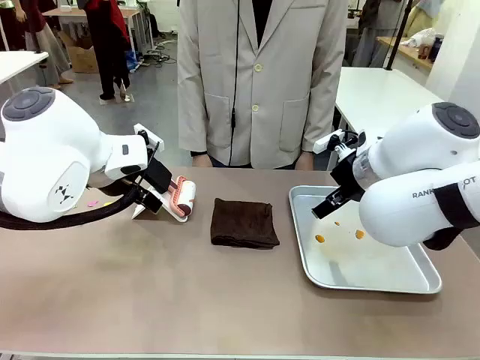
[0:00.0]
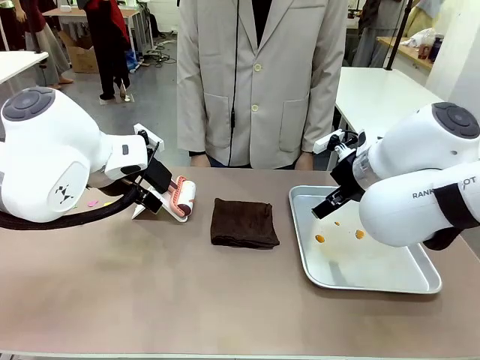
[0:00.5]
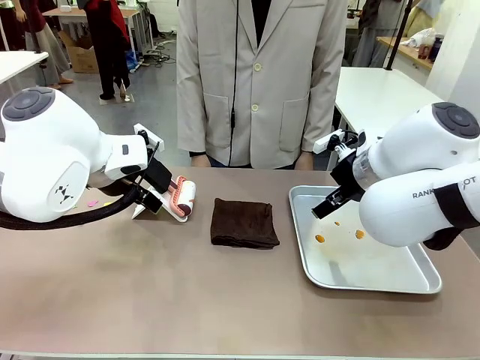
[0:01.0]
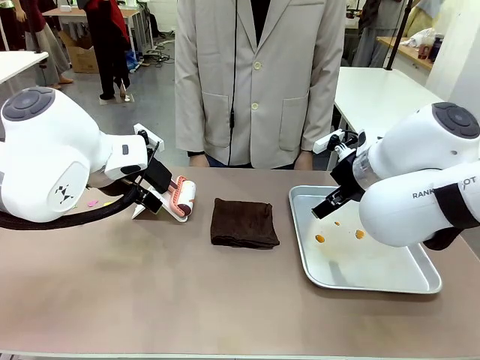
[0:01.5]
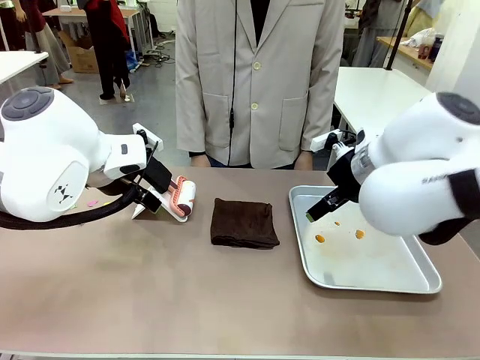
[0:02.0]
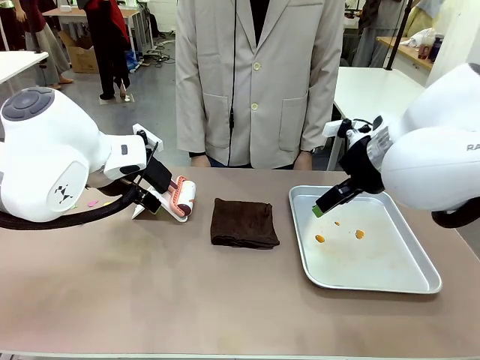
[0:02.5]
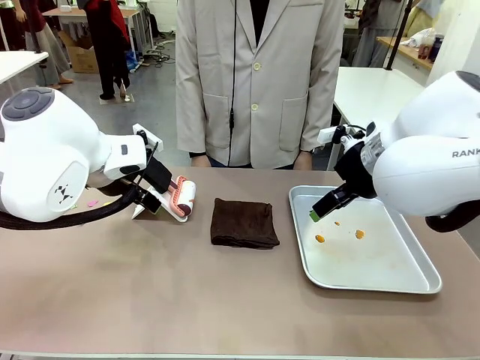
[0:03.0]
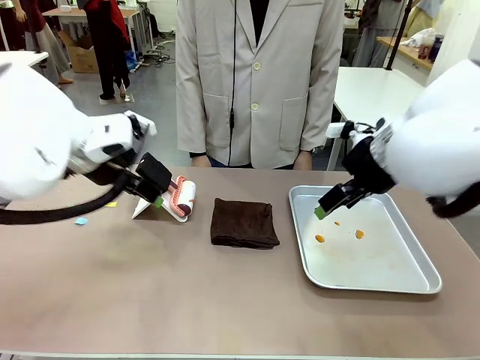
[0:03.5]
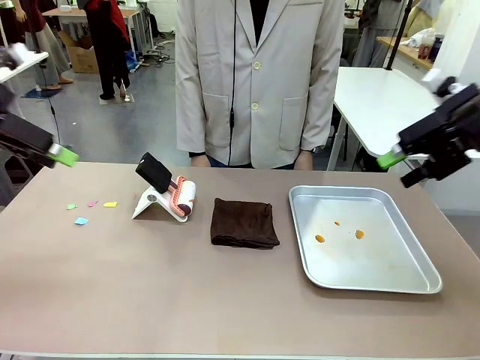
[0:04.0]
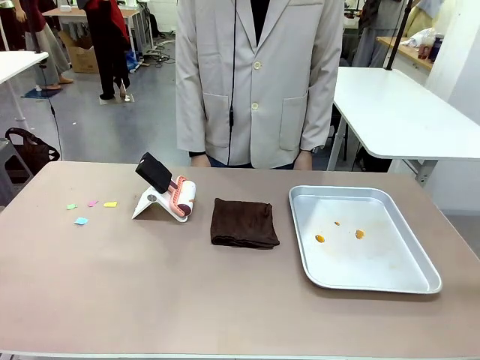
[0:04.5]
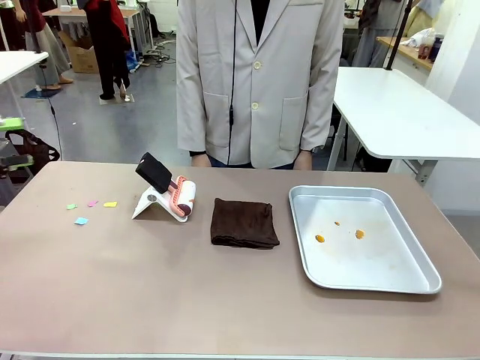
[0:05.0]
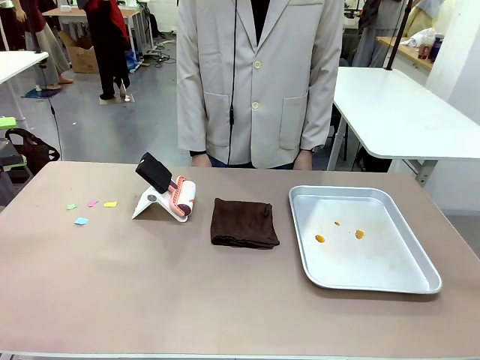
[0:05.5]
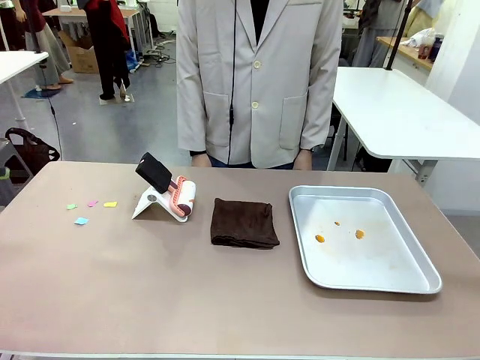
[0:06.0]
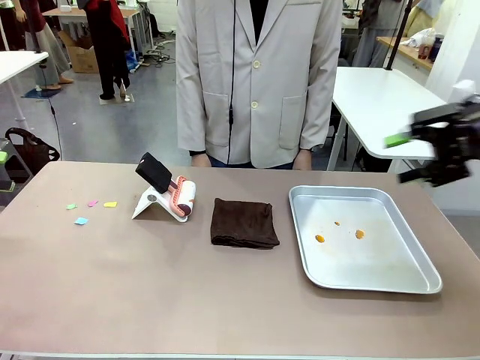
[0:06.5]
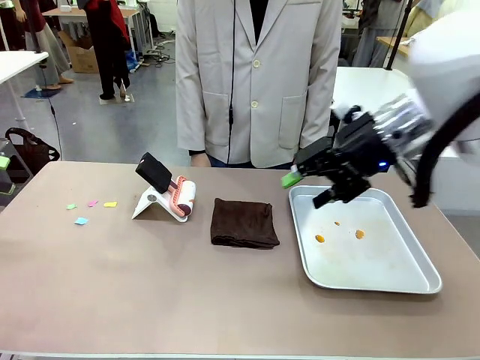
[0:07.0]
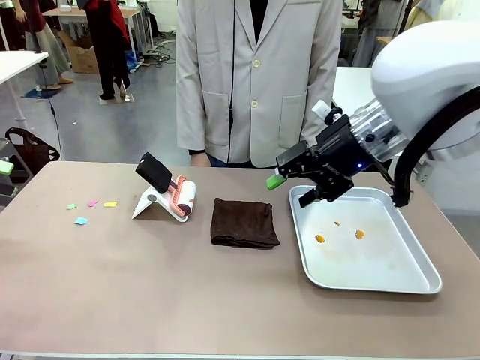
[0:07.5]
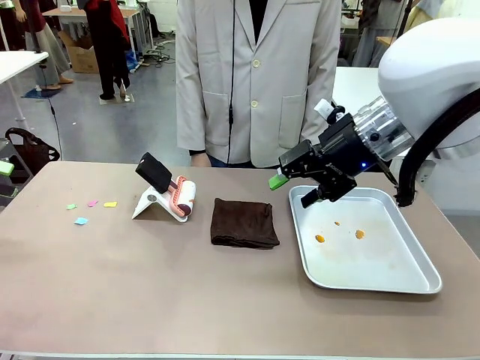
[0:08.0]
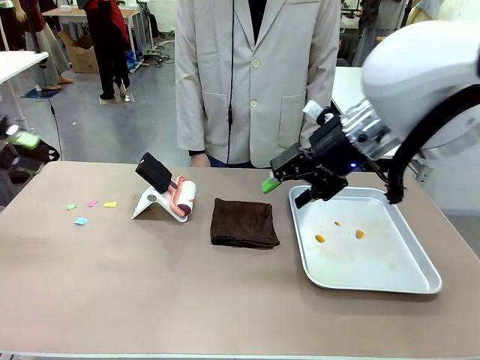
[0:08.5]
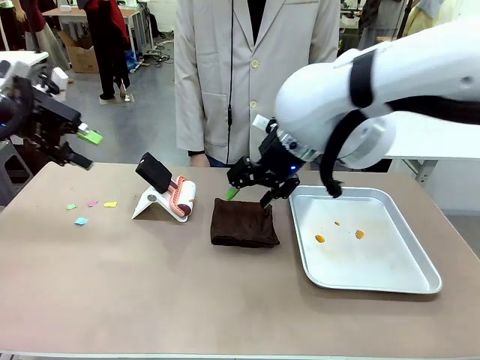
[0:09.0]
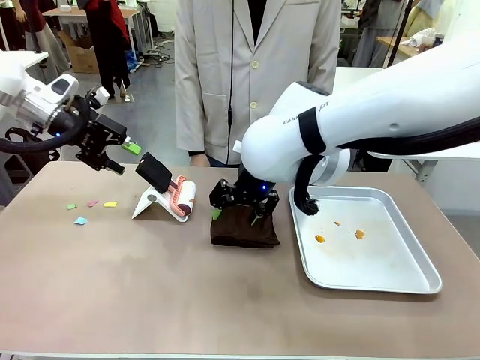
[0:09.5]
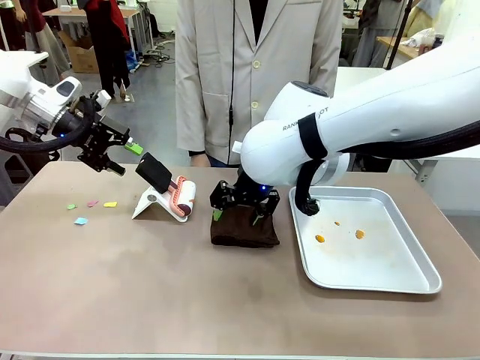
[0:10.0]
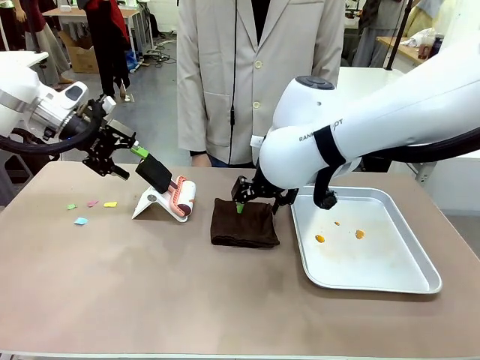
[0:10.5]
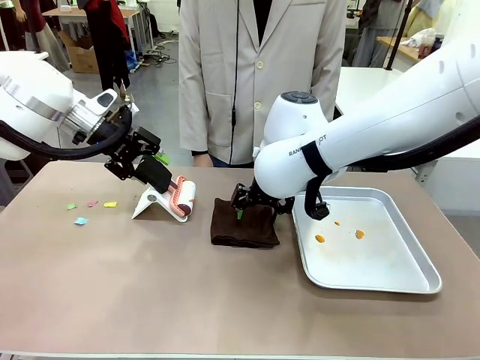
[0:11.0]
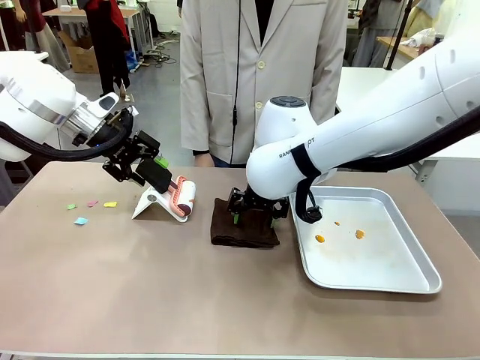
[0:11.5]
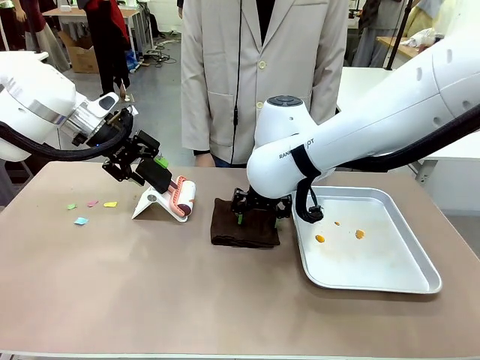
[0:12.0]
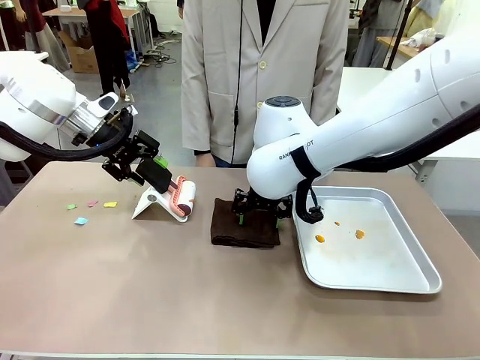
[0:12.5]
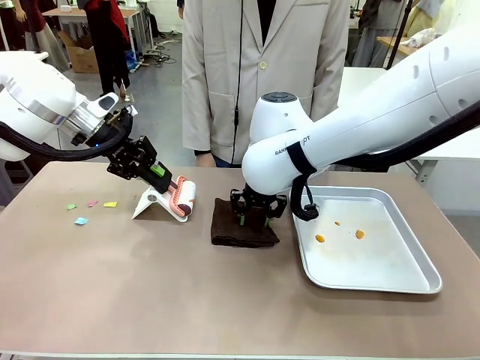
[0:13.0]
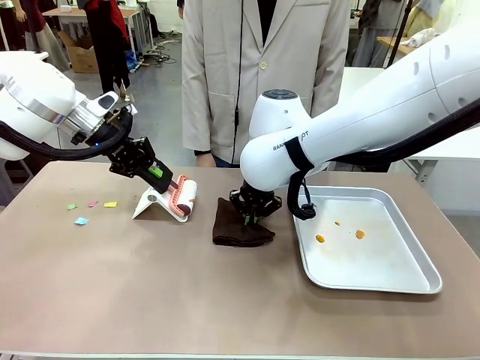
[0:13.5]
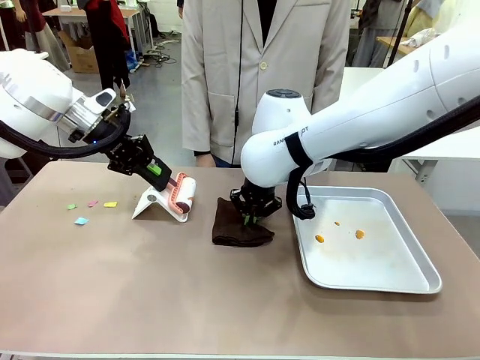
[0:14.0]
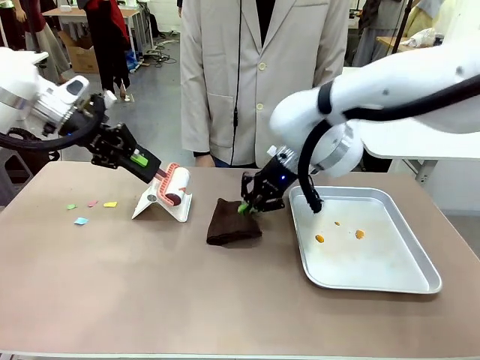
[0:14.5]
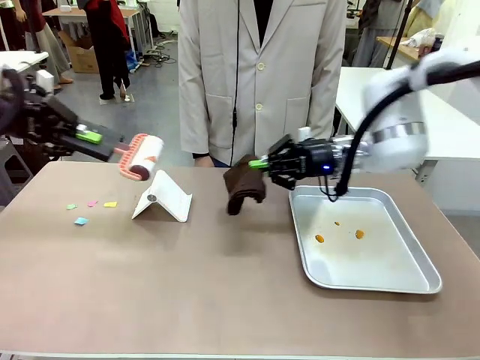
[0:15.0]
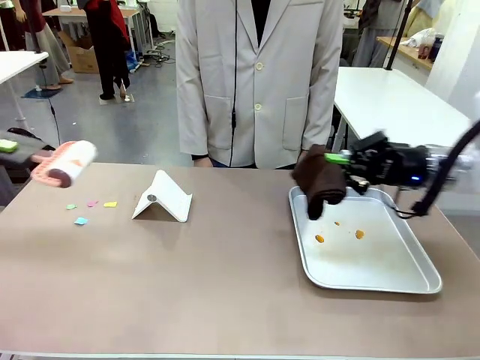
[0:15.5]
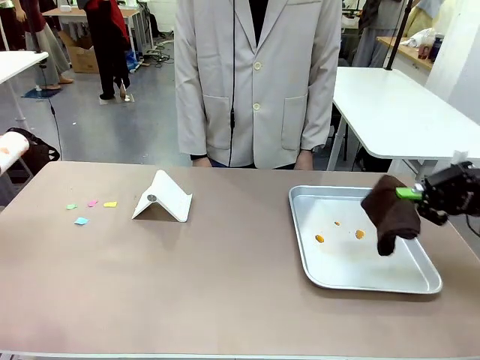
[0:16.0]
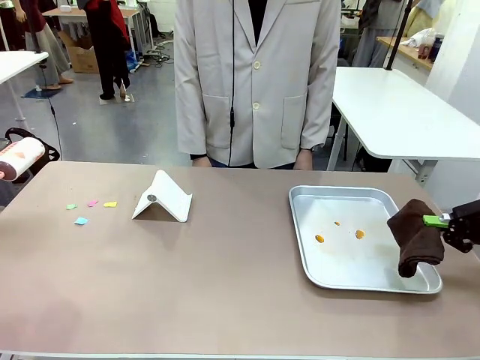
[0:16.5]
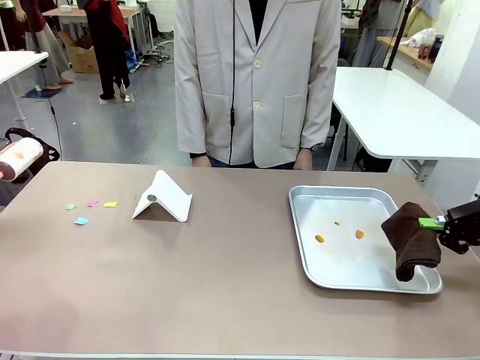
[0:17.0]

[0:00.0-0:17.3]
Task: Clean the surface of the table.
Robot: Hold the Lint Roller with your left hand and the towel with your right hand.

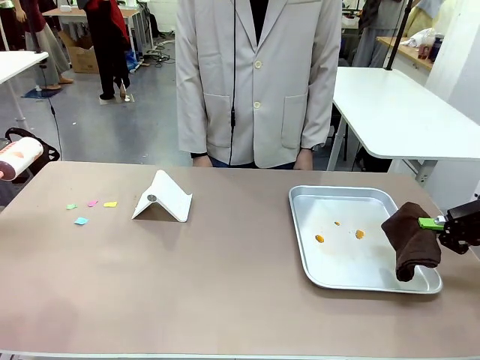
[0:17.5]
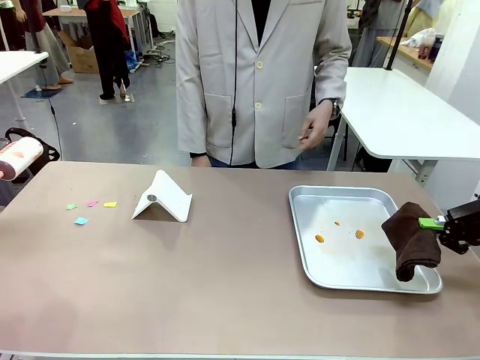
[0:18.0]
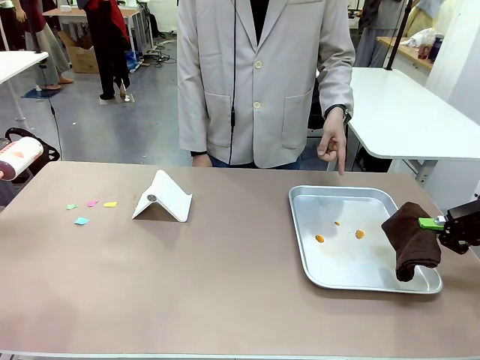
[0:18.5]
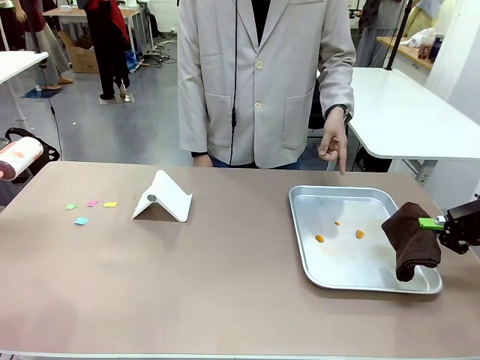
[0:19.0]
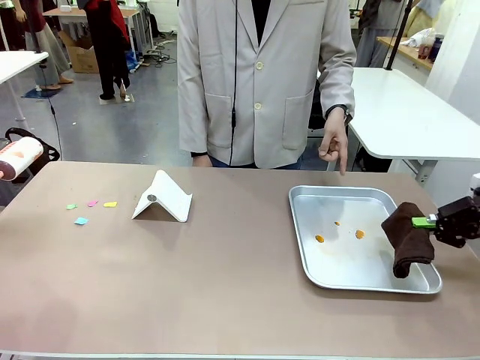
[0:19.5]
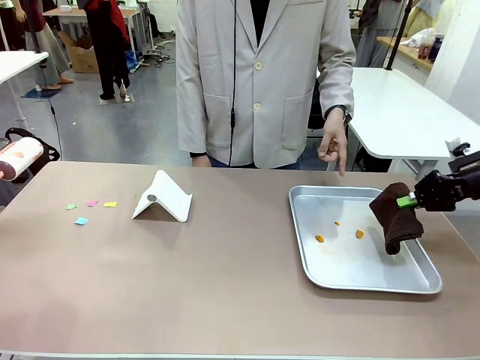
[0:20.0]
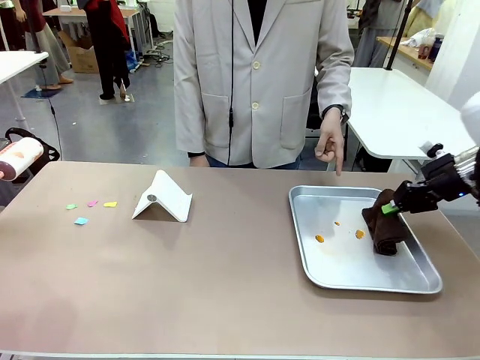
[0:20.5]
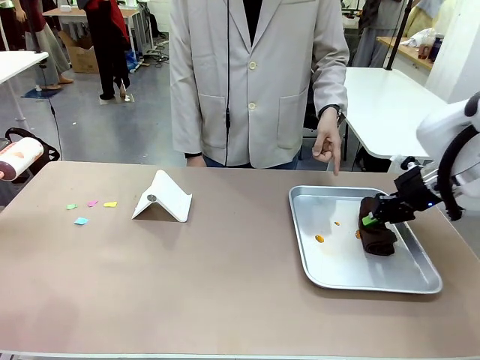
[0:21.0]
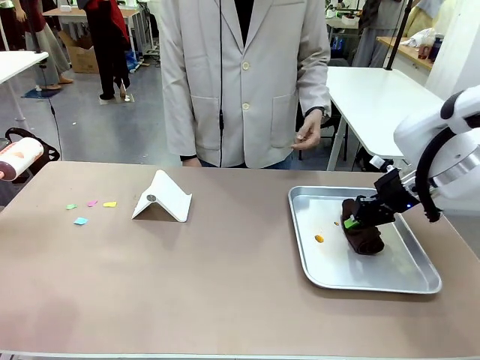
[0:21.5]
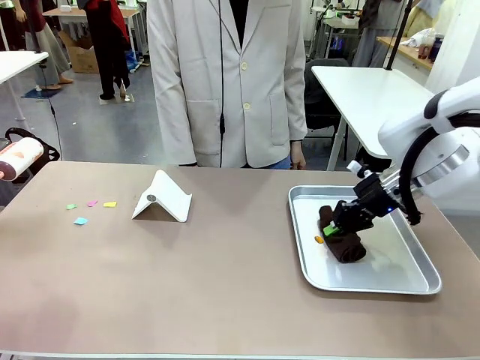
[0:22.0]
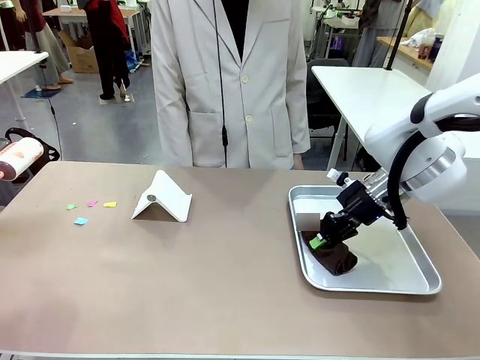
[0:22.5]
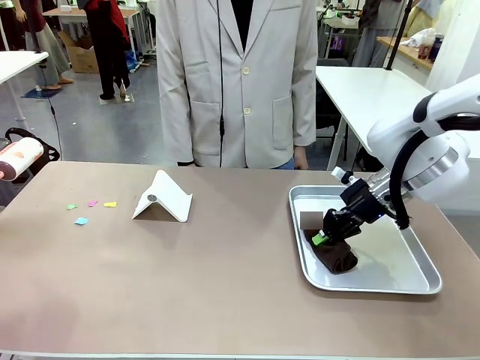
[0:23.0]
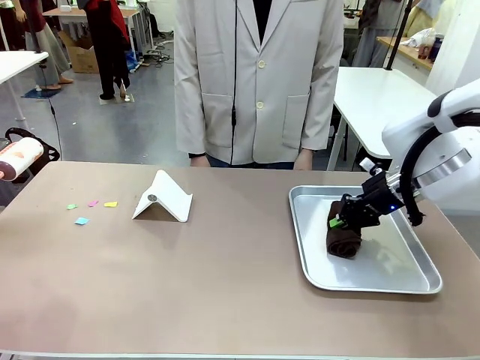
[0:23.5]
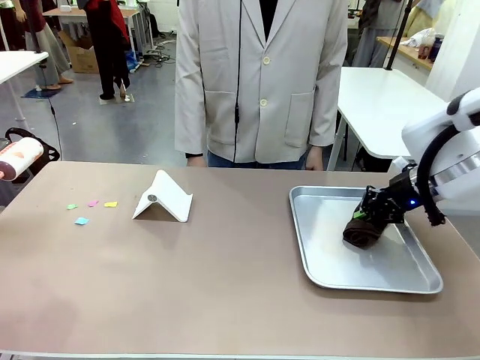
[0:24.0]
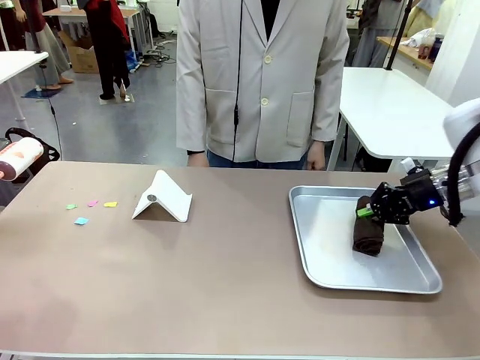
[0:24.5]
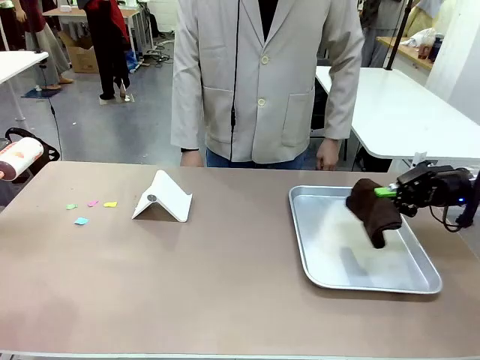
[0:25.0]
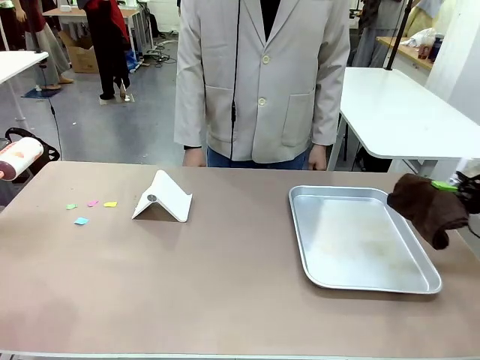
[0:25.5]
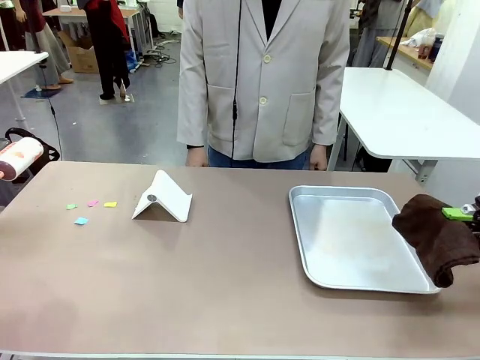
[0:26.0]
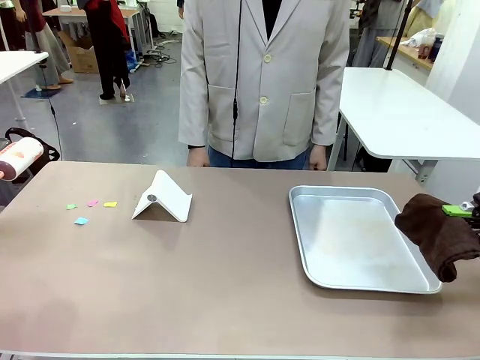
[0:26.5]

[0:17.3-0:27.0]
Robot: If a person points to the right, clean the right side of the table with your right hand, and if they point to the left, clean the left side with your left hand.
